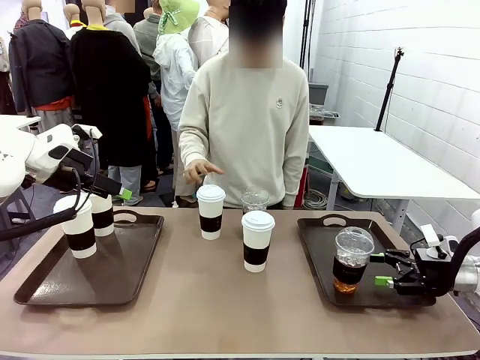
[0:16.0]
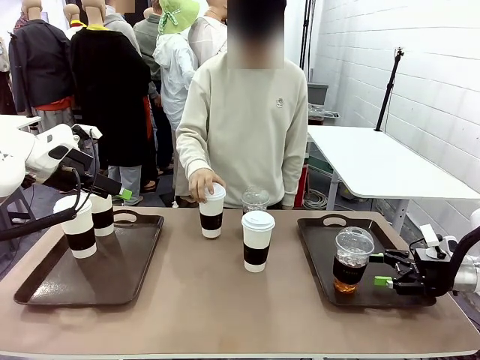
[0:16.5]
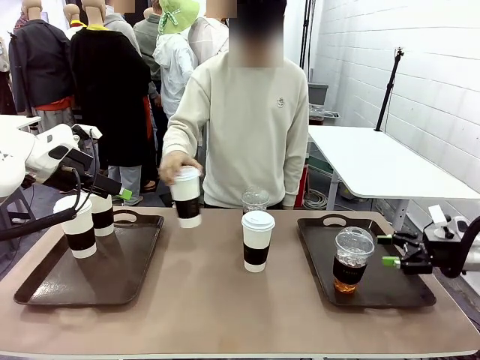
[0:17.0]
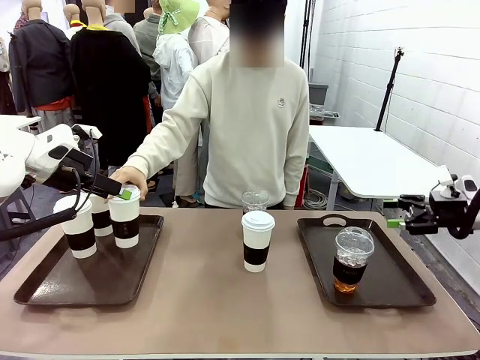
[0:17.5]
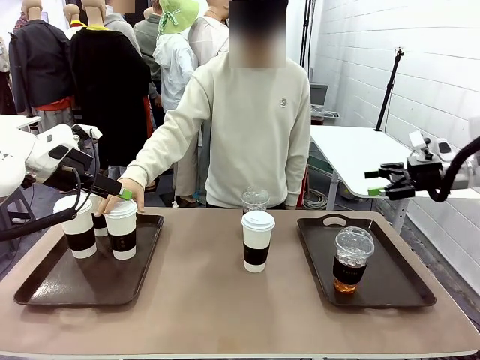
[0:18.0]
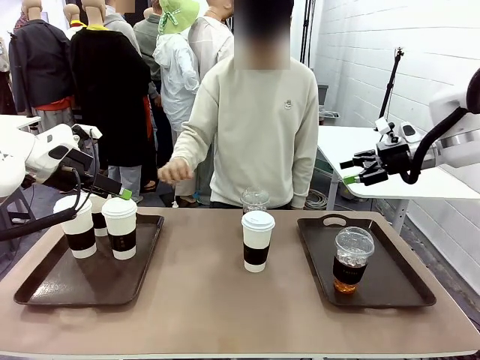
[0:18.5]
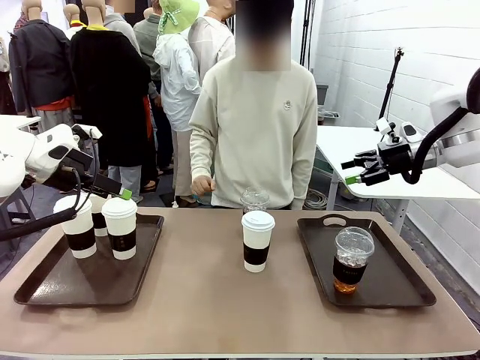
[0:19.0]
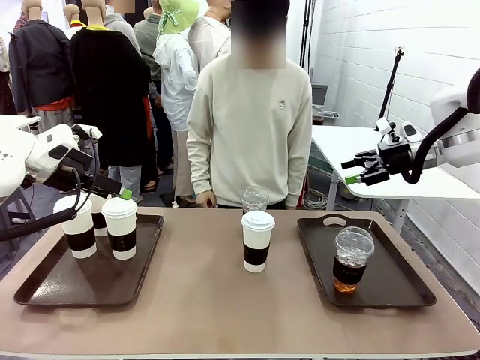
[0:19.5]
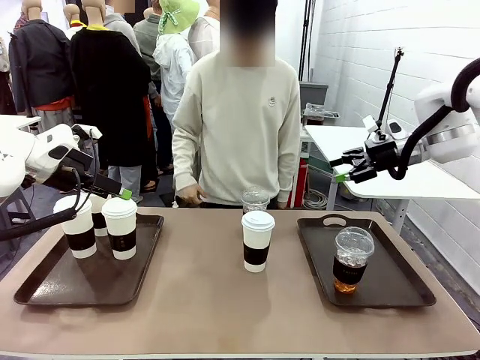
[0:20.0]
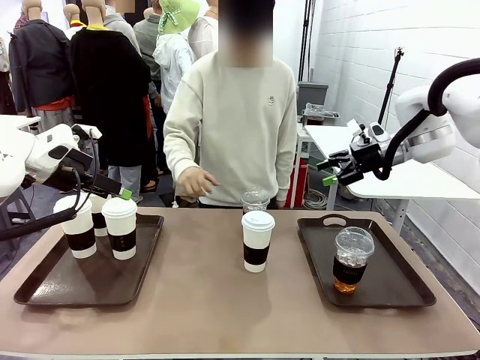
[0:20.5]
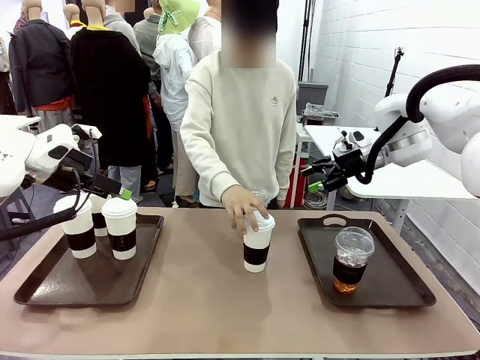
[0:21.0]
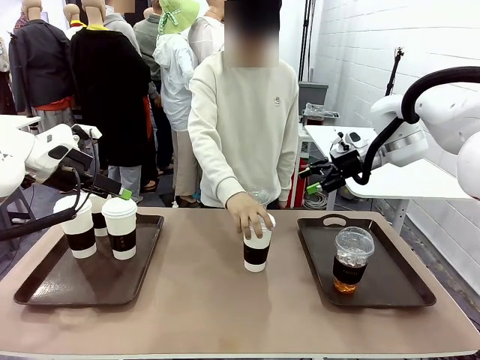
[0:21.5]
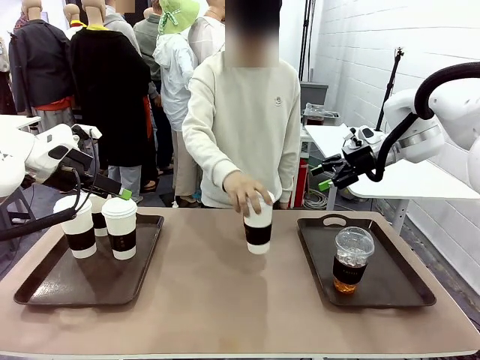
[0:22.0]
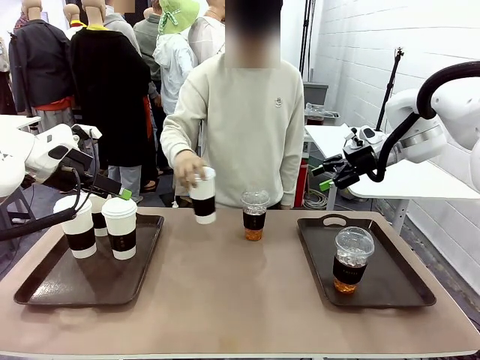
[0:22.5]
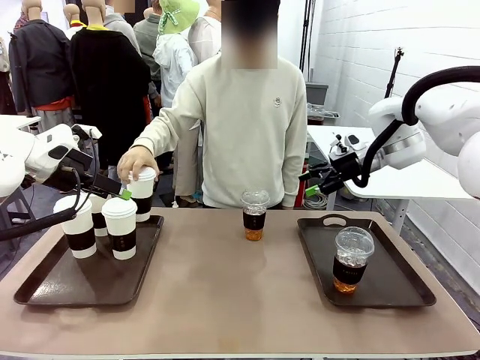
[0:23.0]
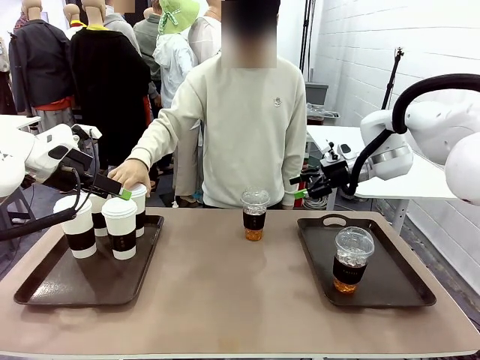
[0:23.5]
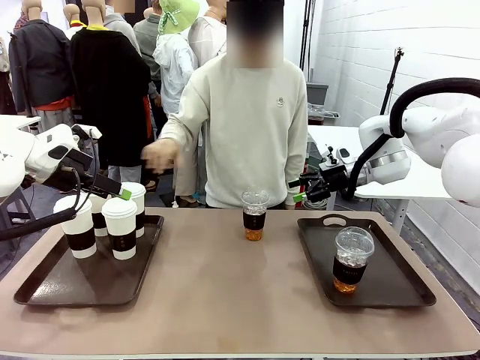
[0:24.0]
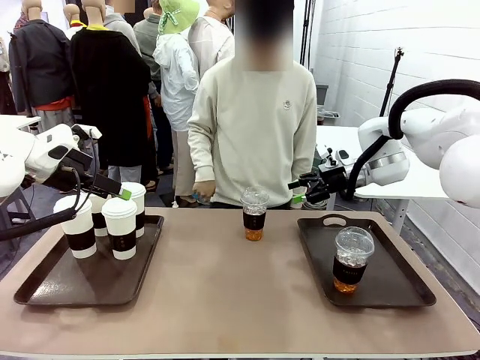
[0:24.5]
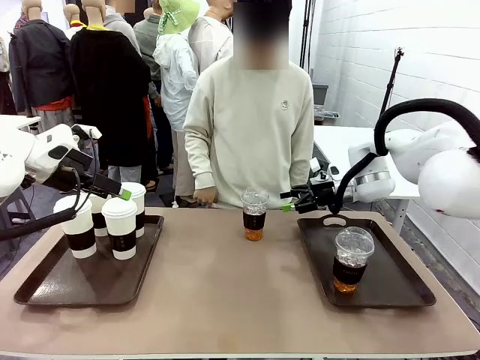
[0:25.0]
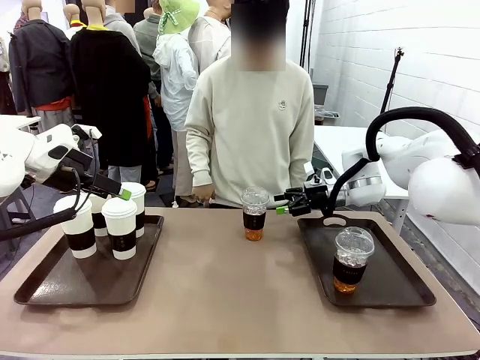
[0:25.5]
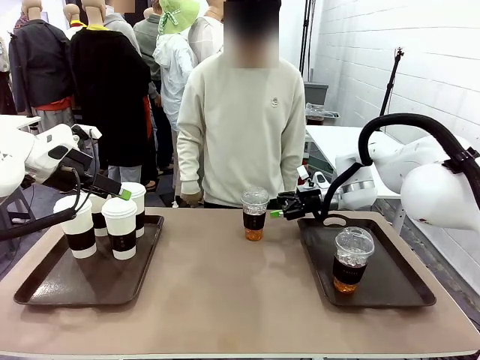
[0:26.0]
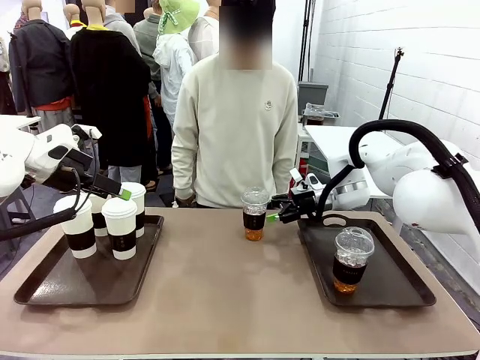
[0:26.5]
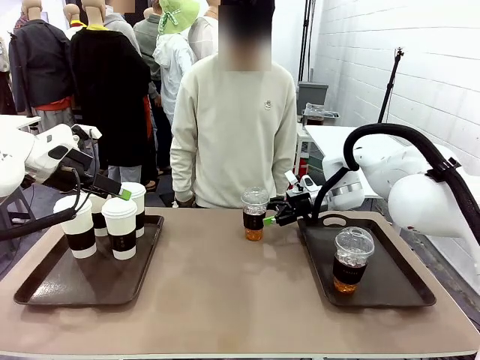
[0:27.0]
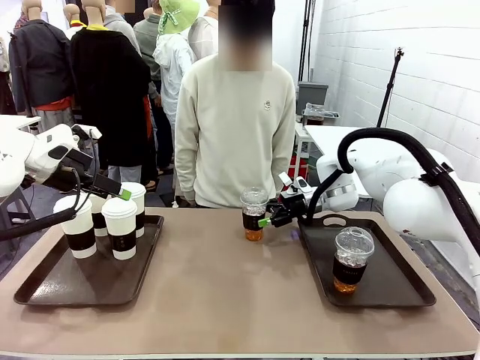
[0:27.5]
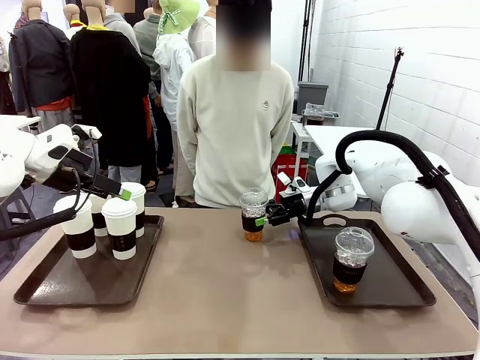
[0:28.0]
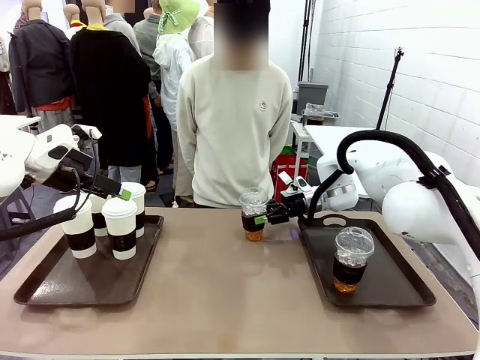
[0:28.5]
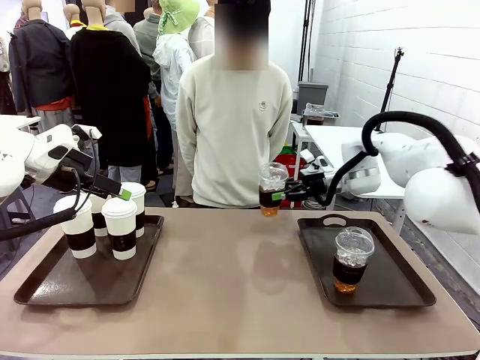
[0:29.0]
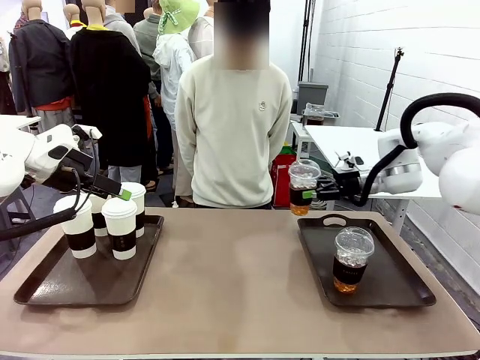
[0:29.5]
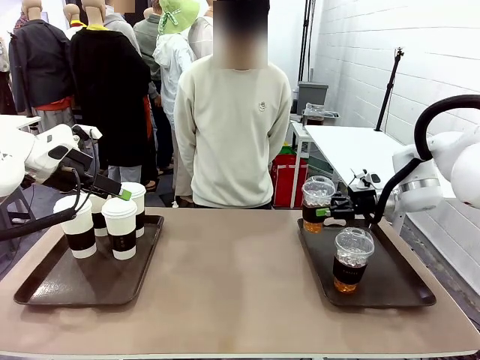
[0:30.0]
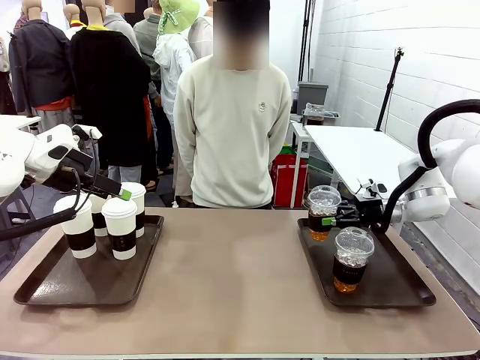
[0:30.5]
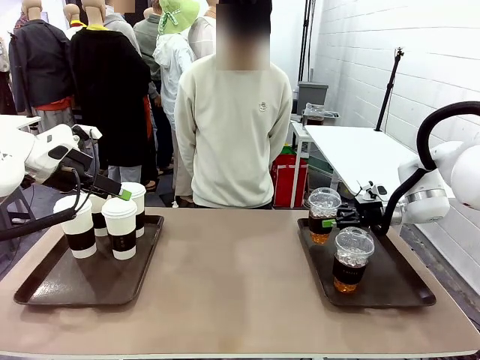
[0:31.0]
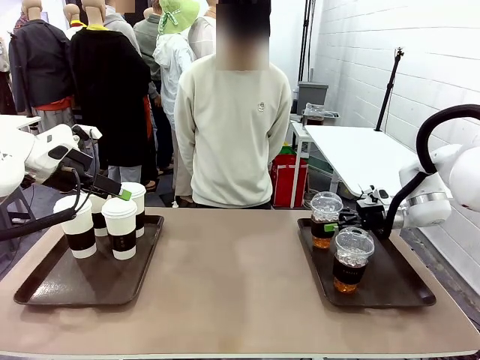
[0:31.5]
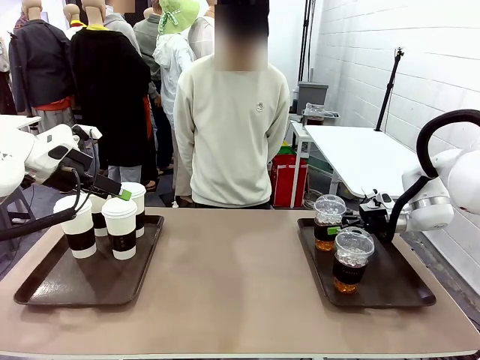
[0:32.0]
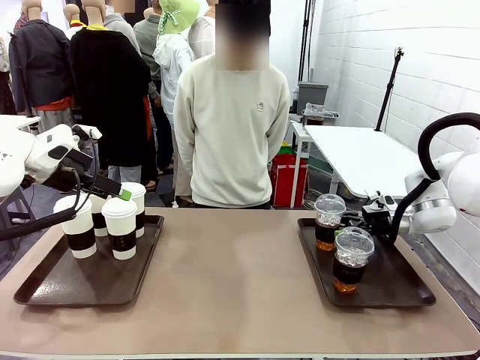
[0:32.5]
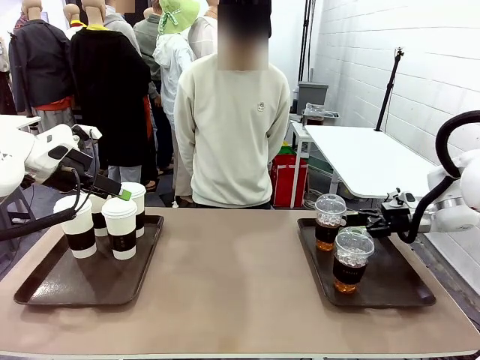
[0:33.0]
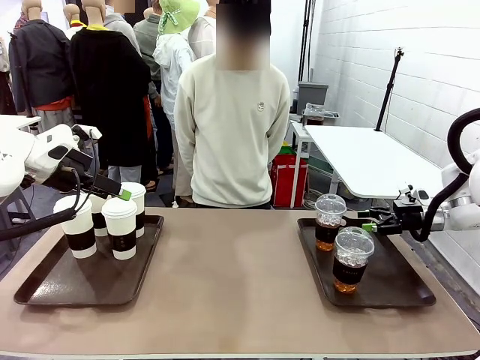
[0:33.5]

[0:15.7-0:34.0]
Task: Distribute the coffee onto the tray.
Robot: Pick up another iced Americano from the middle of the table and place it on the right Handle tray.
Person: Pick up a cup of hot Americano from the middle of the table and place it on the right tray.

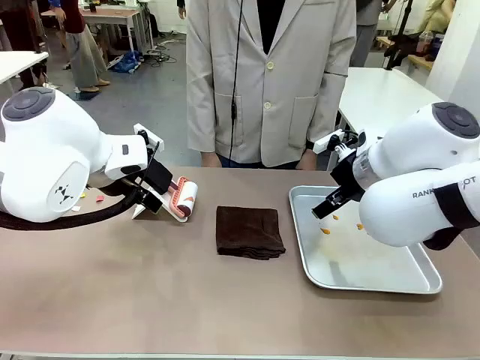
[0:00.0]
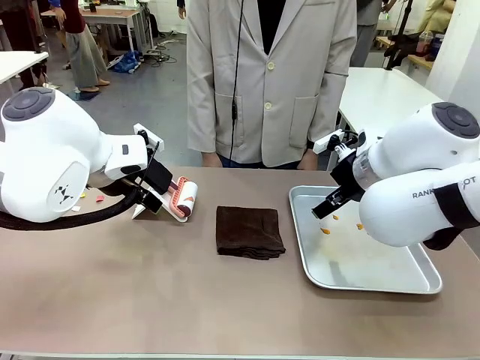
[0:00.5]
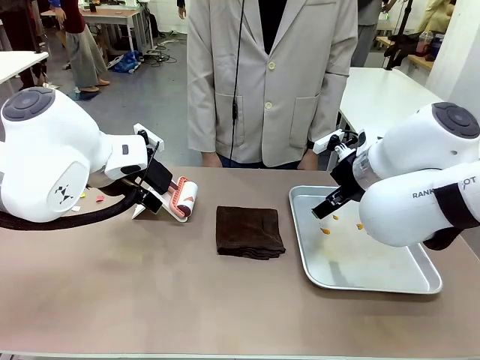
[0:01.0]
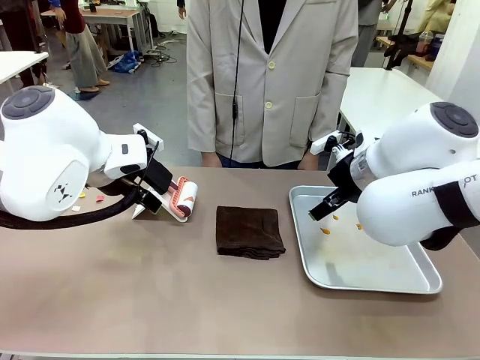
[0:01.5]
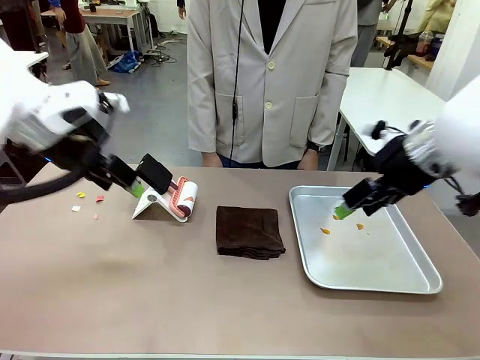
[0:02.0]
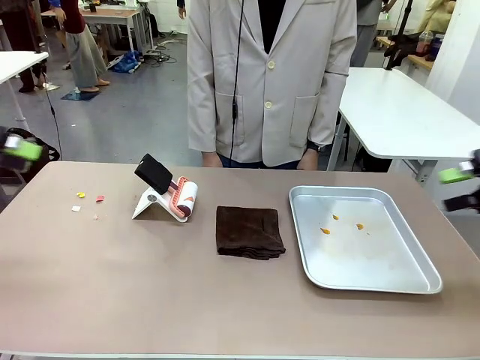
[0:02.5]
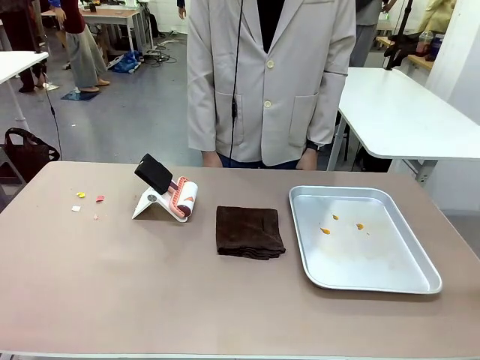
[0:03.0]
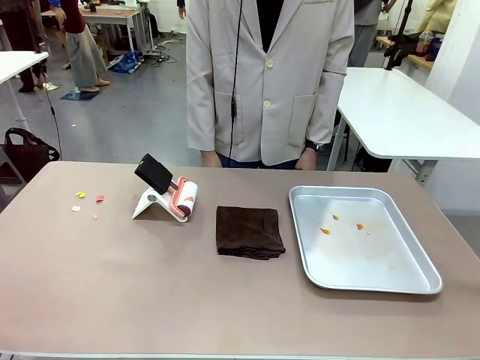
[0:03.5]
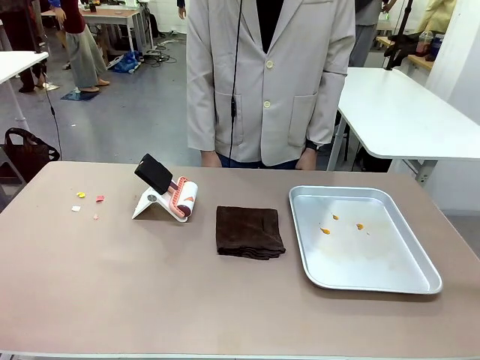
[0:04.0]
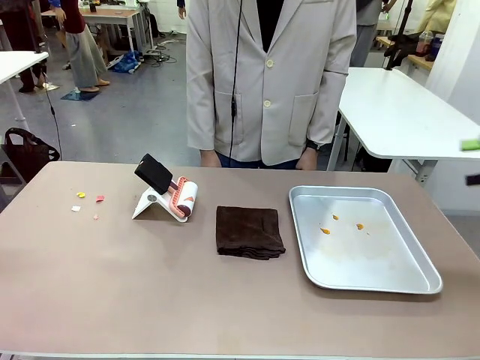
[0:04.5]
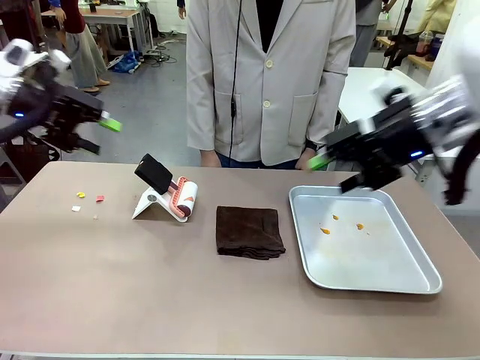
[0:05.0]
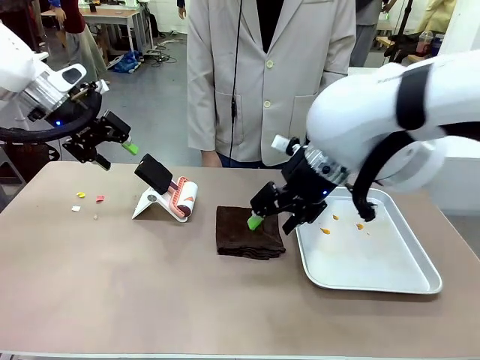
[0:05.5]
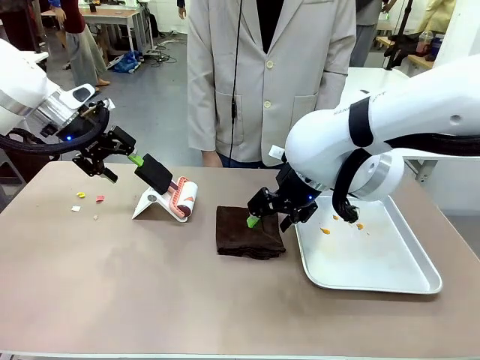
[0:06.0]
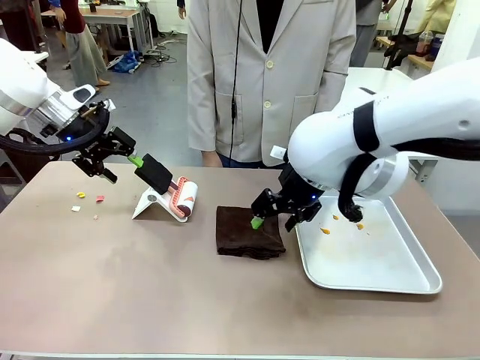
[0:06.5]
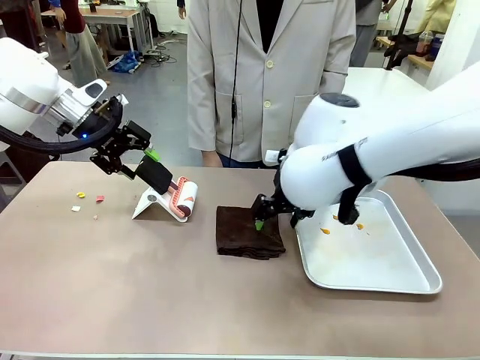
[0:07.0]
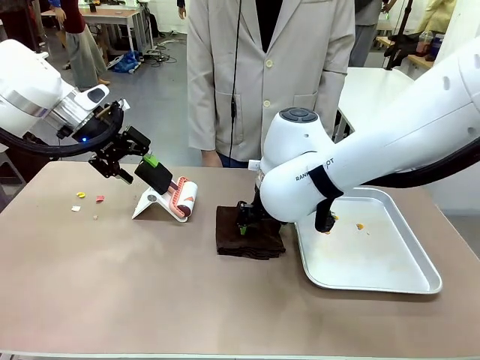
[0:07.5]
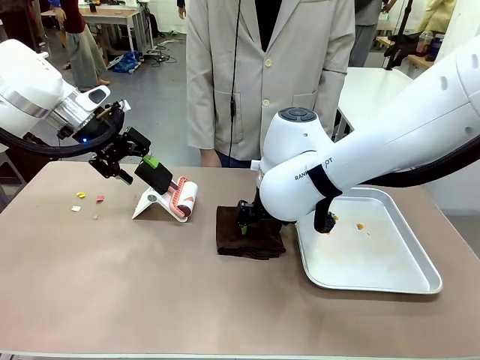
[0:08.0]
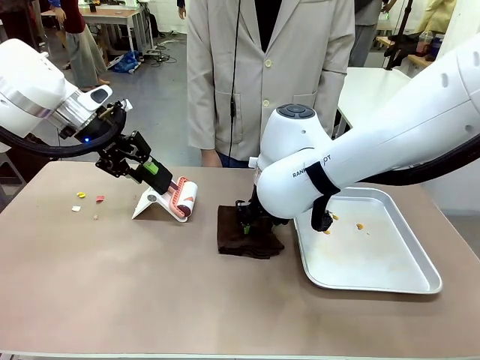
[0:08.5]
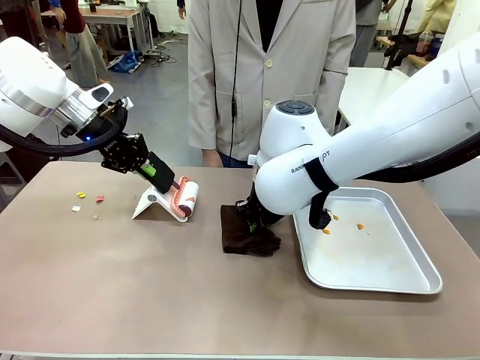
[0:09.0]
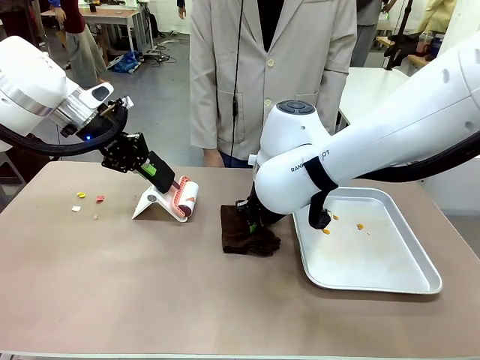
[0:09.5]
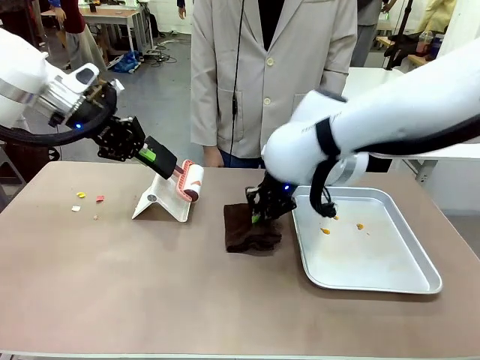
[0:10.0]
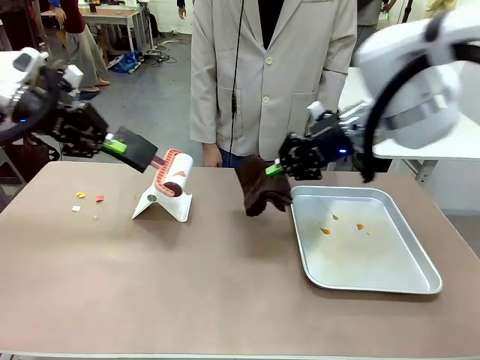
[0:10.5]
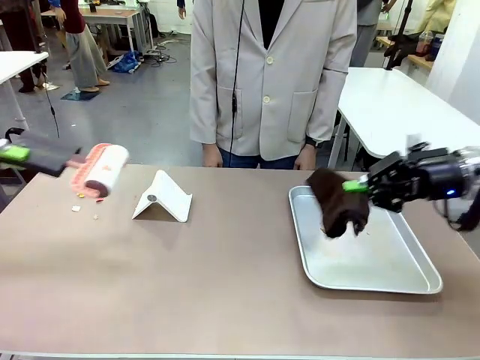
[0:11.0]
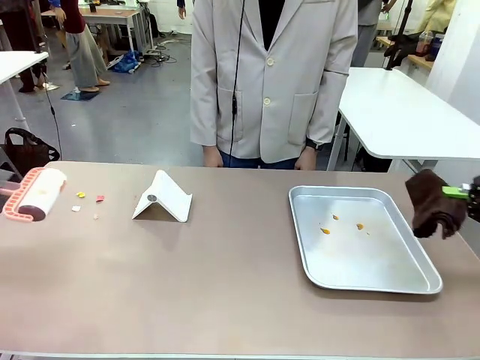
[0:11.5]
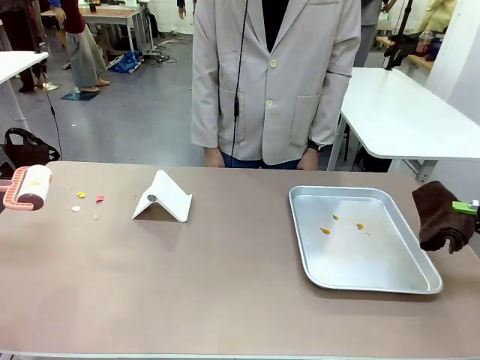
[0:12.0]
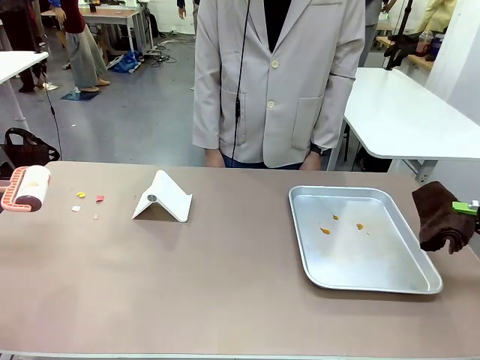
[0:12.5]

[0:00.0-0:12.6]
Task: Clean the surface of the table.
Robot: Hold the Lint Roller with your left hand and the towel with your right hand.
